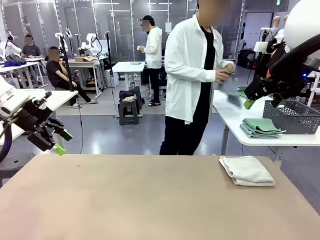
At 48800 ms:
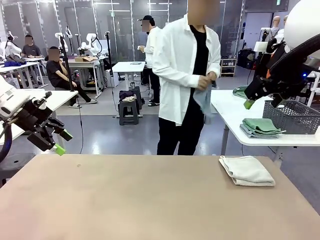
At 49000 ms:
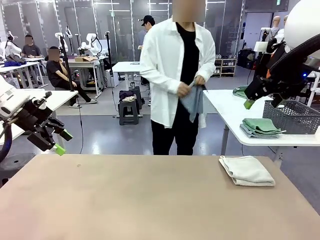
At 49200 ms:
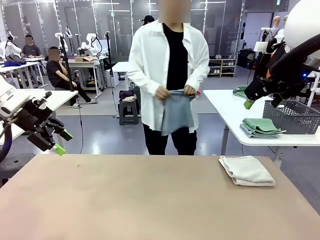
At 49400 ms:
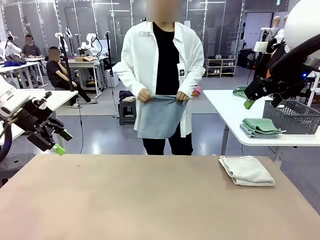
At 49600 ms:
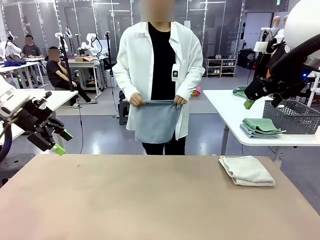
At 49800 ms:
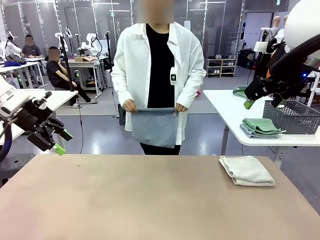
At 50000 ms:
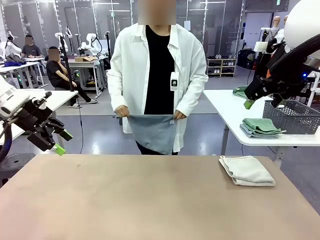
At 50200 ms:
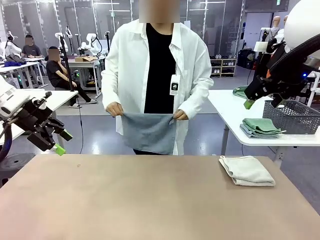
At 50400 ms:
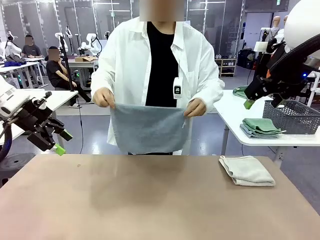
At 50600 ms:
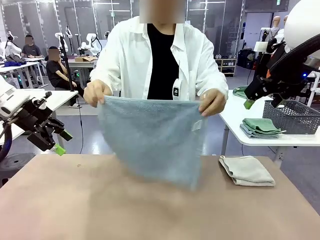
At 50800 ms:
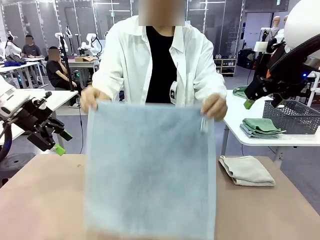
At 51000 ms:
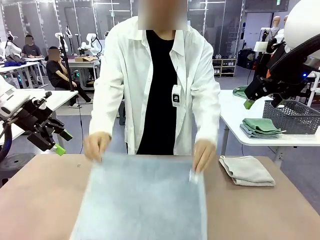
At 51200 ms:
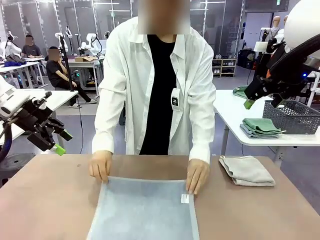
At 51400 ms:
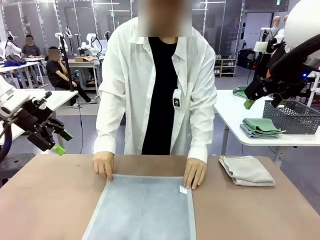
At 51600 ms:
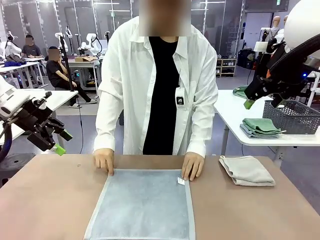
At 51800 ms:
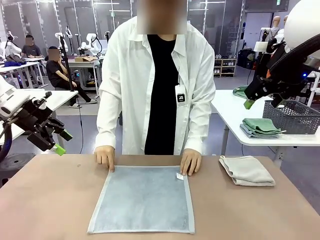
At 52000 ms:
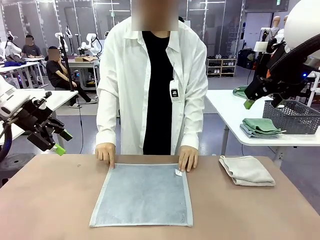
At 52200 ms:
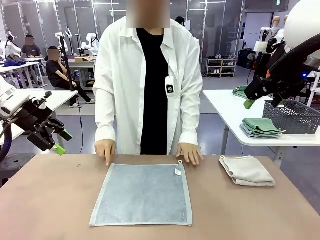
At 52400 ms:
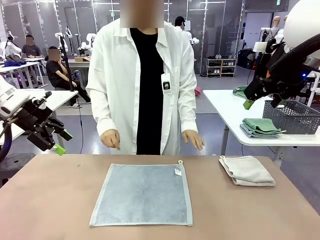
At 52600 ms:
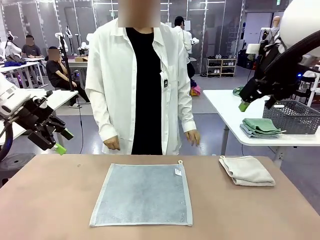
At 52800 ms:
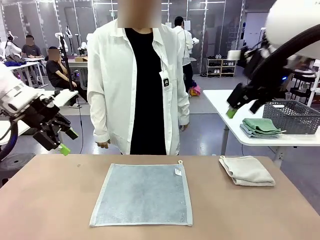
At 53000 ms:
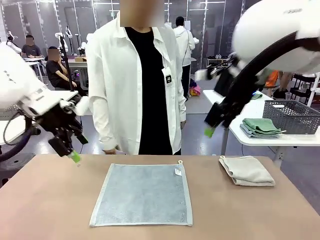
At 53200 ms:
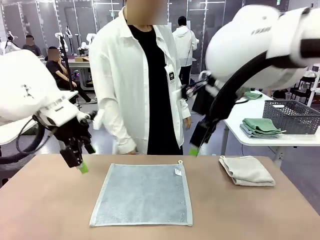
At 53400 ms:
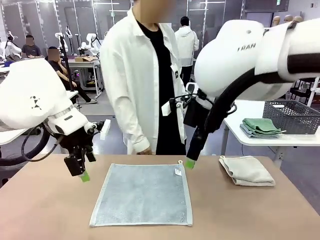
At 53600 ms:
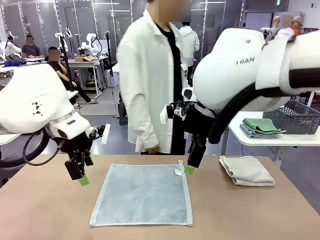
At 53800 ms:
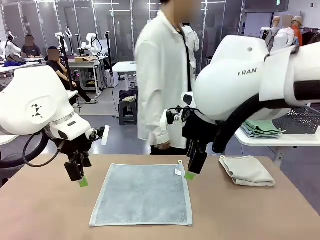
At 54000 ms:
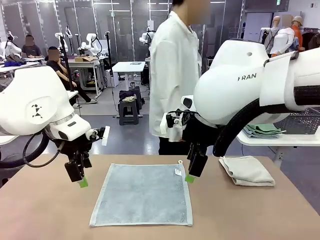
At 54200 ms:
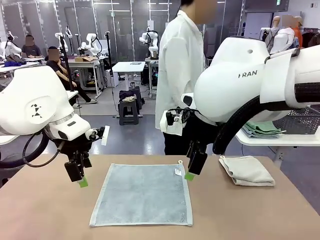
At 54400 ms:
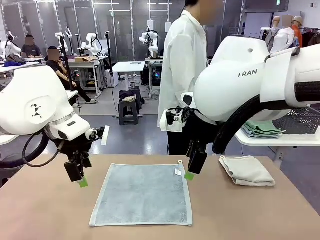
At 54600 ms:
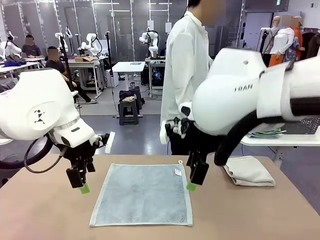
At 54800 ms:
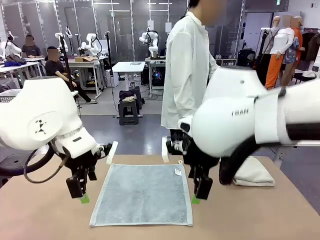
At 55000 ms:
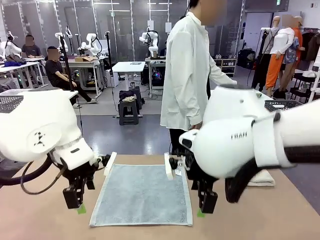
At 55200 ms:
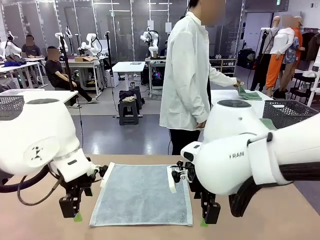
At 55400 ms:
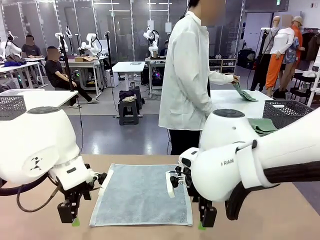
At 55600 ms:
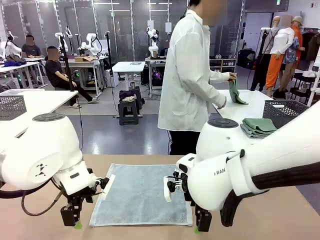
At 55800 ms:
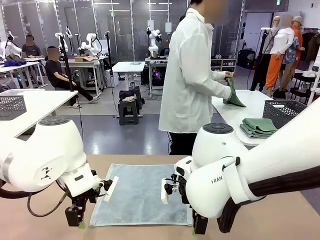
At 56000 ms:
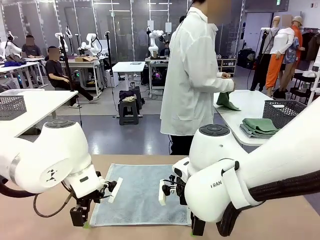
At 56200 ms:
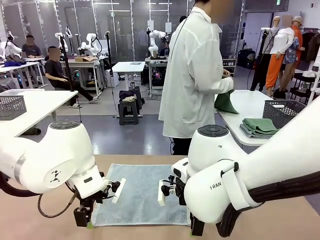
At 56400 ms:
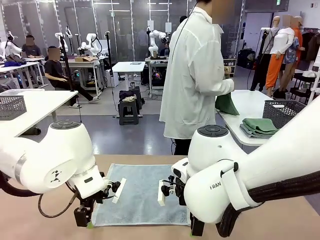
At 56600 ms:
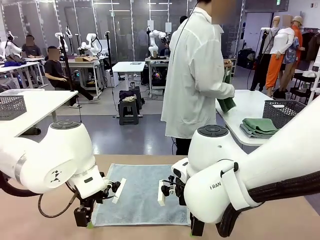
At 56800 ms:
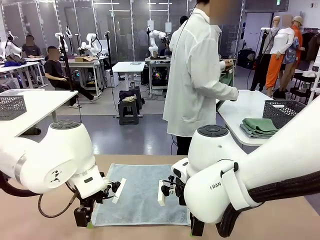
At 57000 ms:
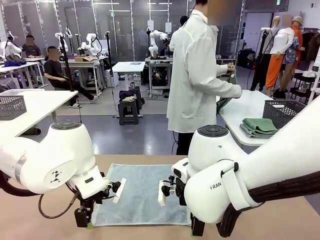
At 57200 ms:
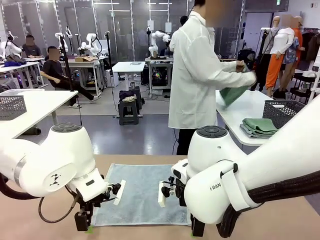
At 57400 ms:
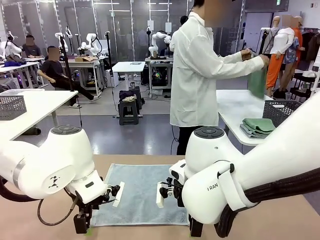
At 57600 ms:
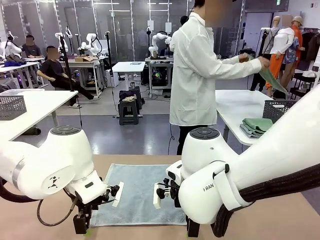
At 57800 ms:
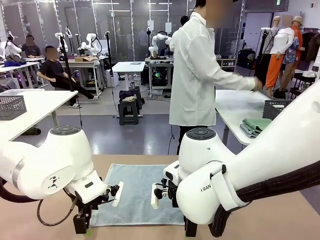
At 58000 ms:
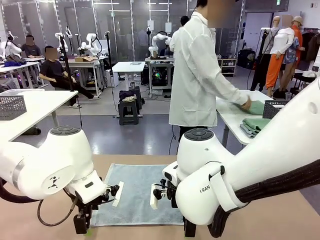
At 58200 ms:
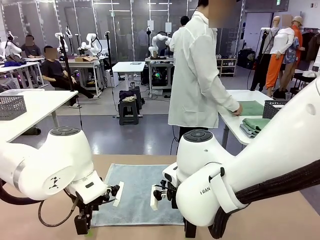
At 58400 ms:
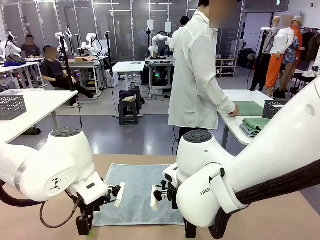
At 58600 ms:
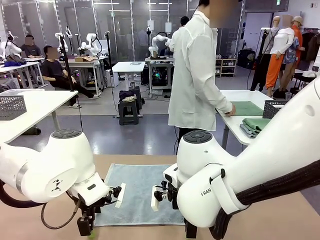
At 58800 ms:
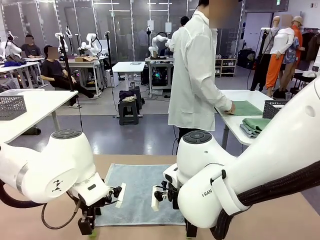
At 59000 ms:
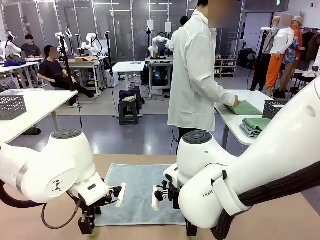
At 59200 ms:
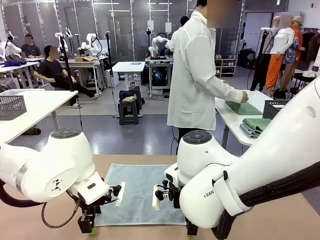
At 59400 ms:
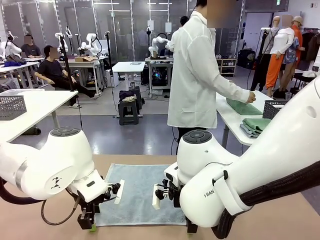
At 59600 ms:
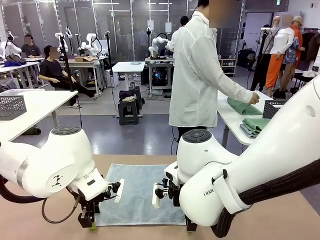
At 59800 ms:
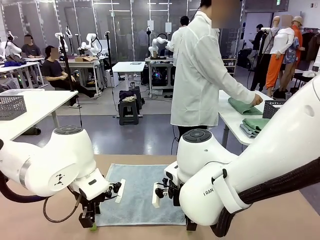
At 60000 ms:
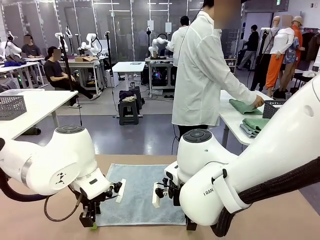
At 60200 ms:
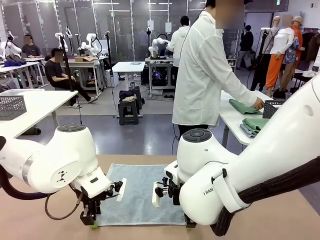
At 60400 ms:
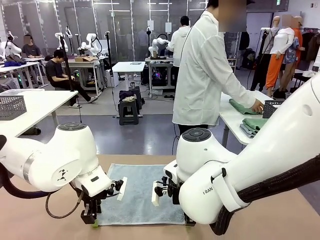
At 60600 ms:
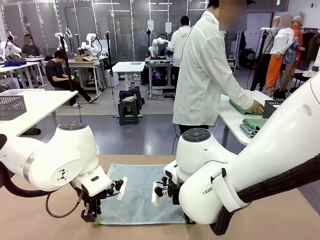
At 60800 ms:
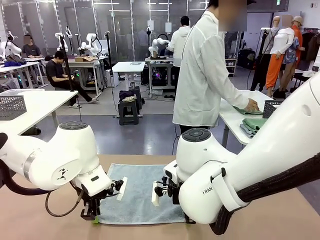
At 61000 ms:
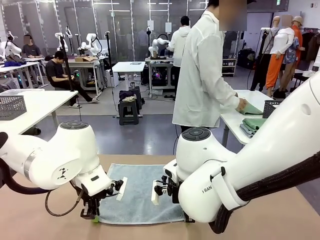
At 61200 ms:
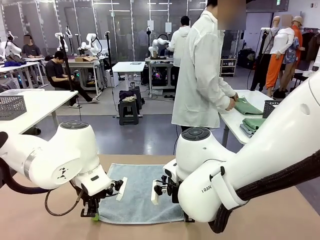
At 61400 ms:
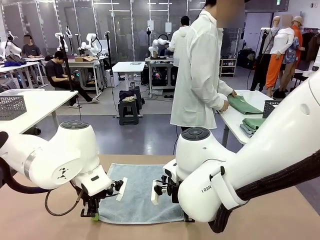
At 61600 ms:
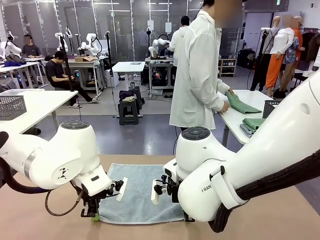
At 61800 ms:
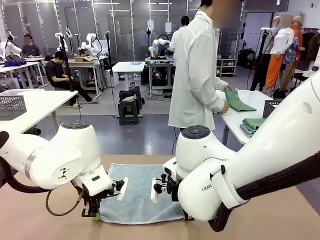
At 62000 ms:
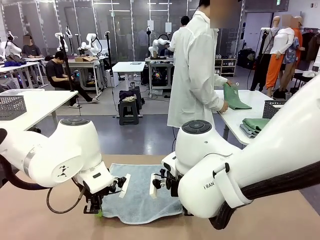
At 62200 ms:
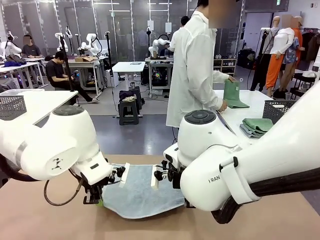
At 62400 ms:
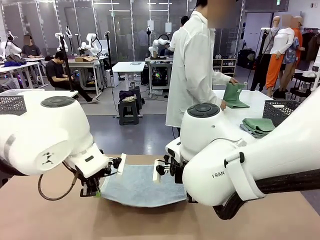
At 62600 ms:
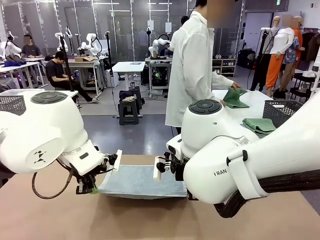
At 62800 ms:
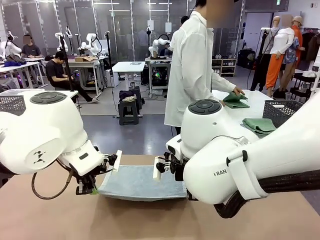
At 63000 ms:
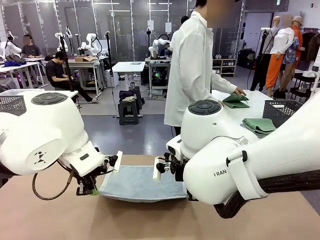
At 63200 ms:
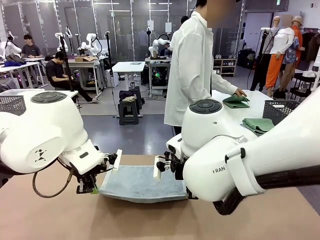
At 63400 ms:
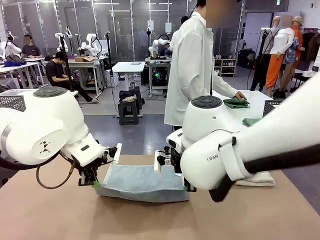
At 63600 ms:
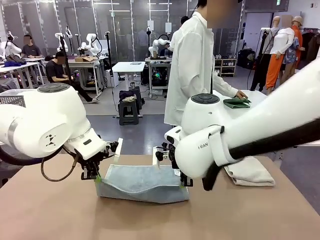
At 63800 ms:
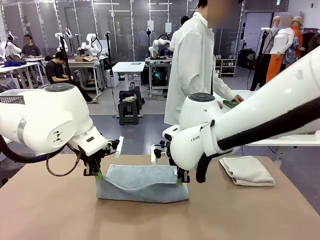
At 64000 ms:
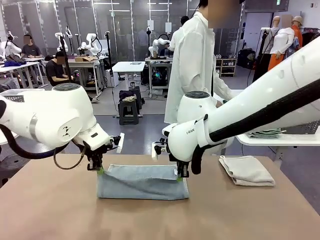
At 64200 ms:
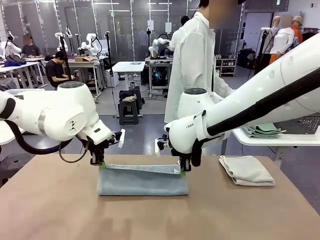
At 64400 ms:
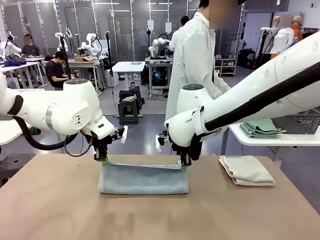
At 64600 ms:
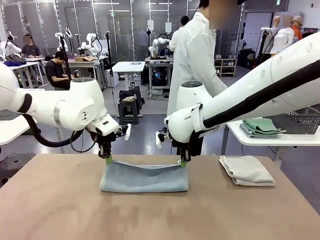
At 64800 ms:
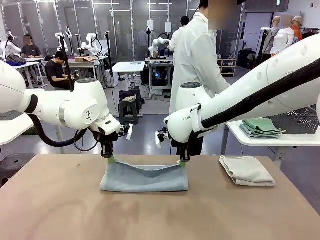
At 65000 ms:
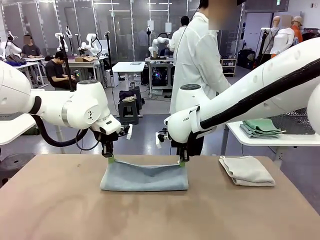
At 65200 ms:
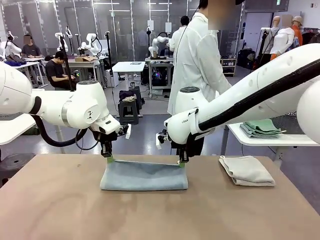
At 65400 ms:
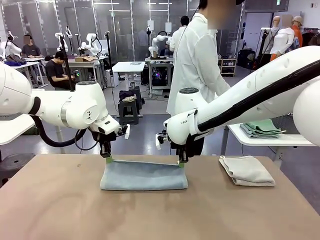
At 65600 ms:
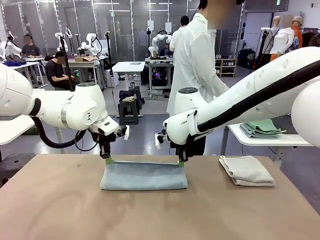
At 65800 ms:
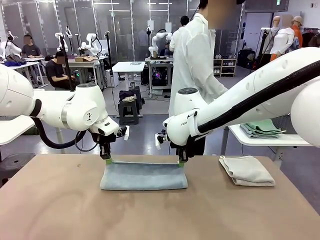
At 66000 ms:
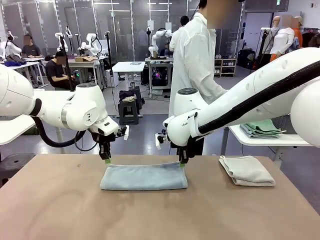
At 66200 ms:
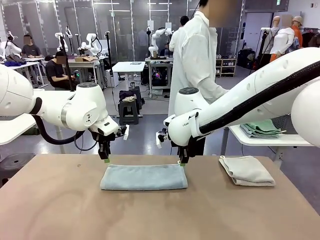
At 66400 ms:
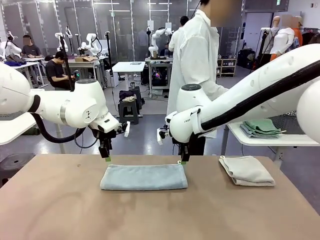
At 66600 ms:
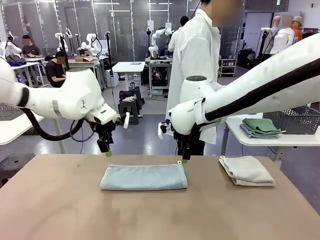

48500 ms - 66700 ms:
Task: Fold the towels and place them in the basket.
Robot: When a person lays out a Towel with hook on the table, fold it in half twice.
Person: Pick up one towel from the left side of the human table and spread it out at the center of the robot table. Pick up one towel from the left side of the human table, fold it in half twice, and stack it on the right side of the table.
